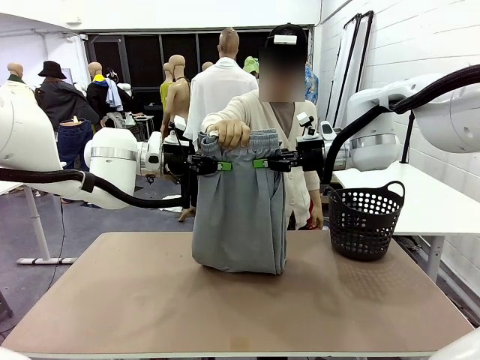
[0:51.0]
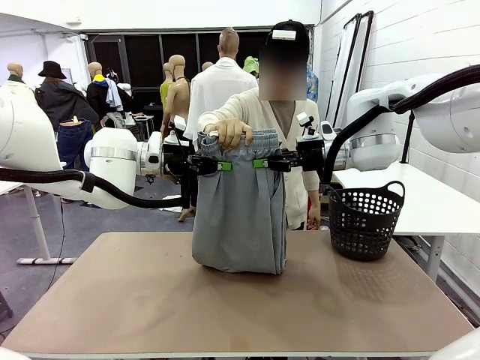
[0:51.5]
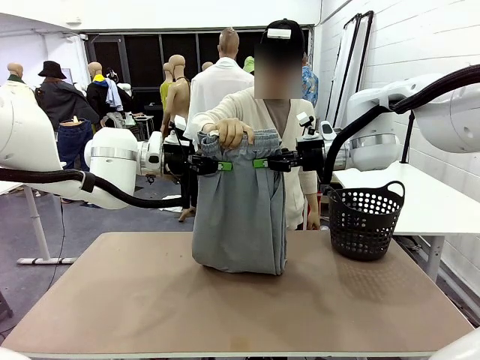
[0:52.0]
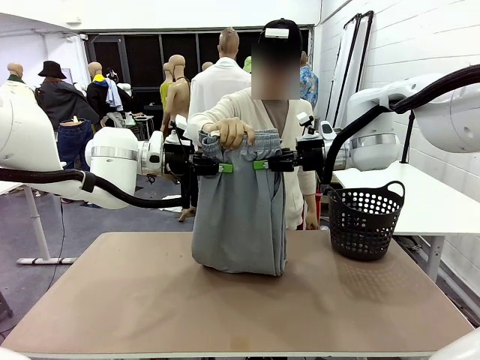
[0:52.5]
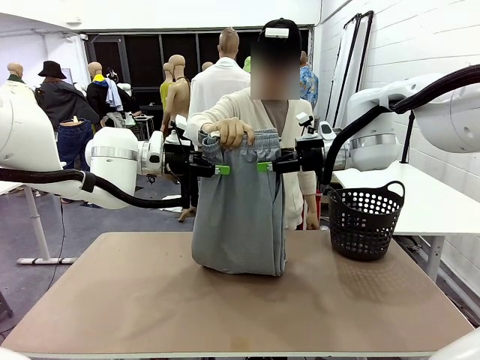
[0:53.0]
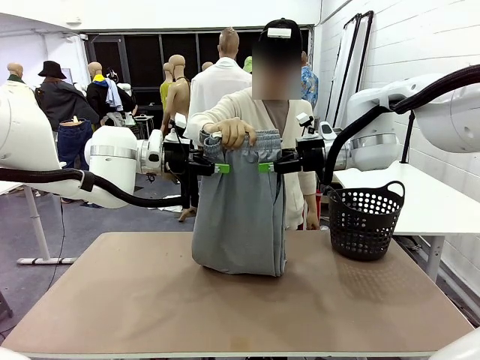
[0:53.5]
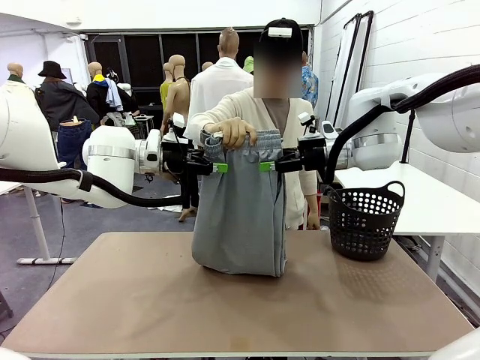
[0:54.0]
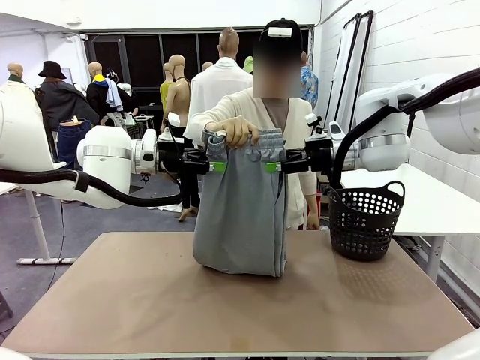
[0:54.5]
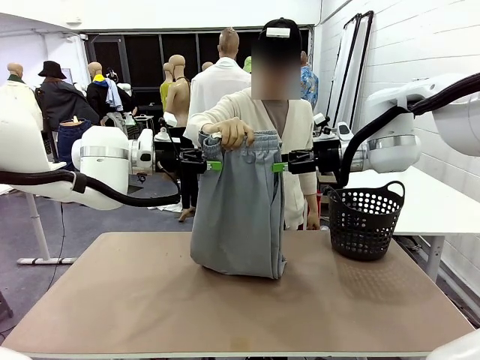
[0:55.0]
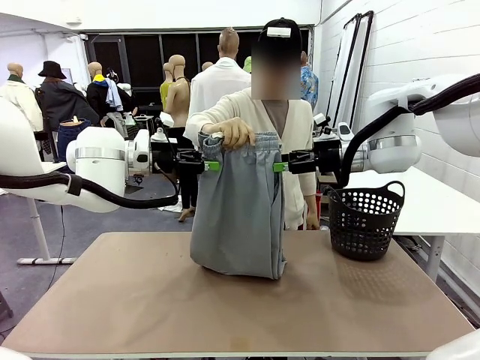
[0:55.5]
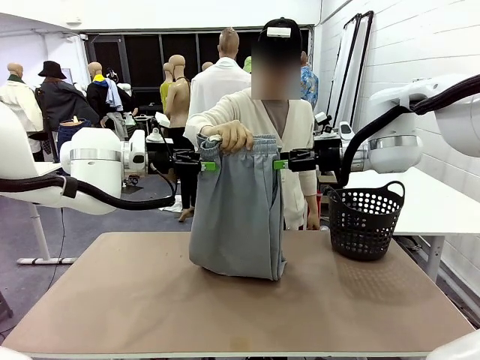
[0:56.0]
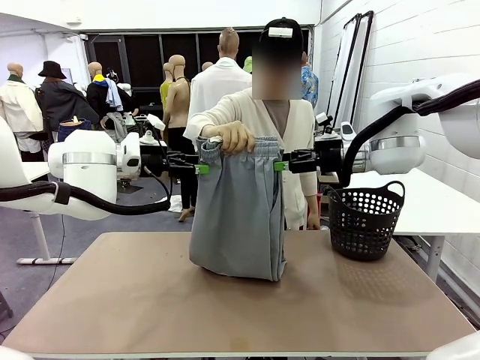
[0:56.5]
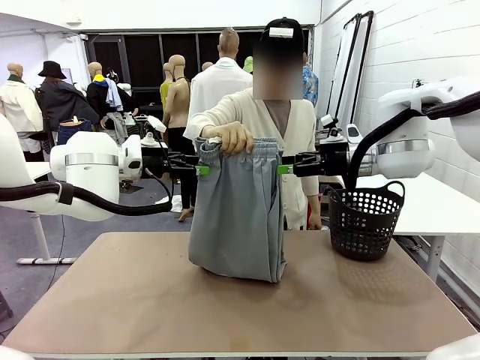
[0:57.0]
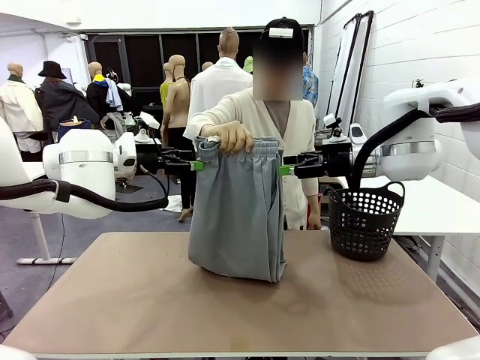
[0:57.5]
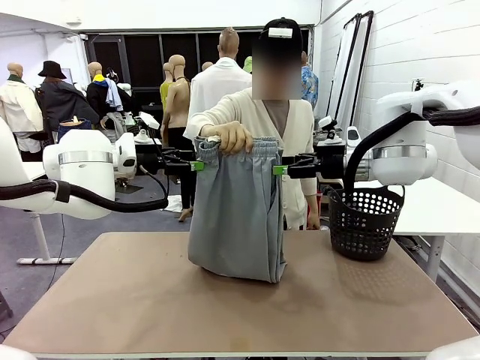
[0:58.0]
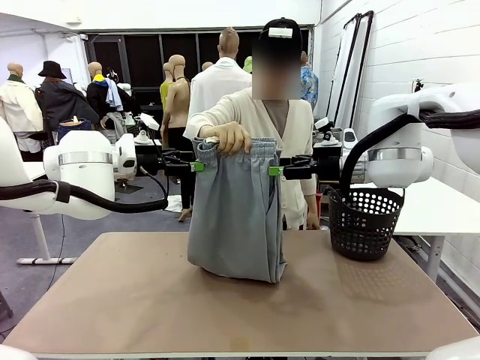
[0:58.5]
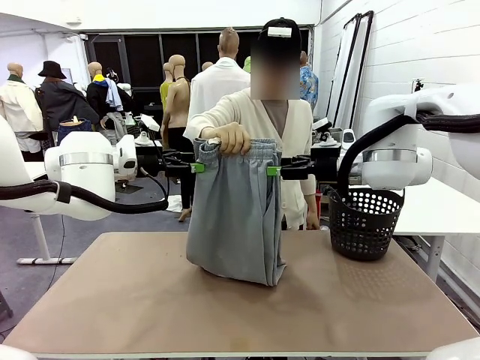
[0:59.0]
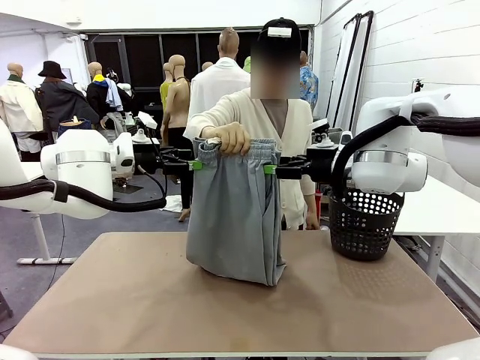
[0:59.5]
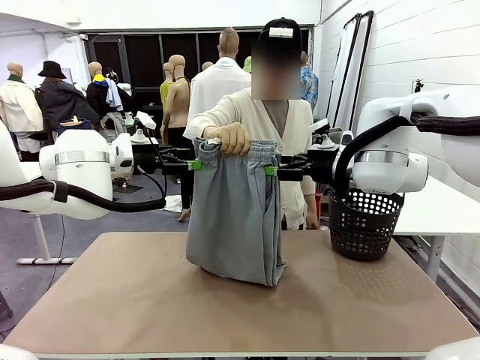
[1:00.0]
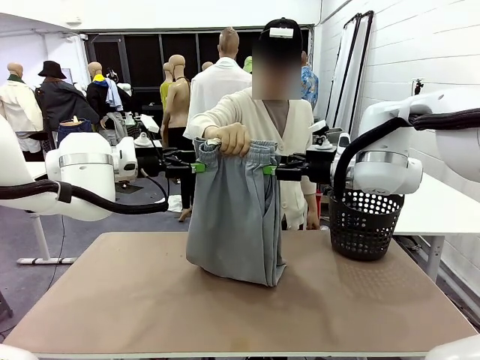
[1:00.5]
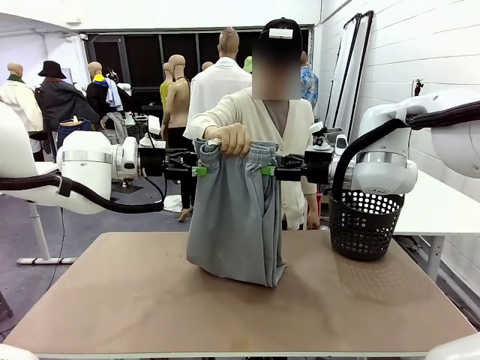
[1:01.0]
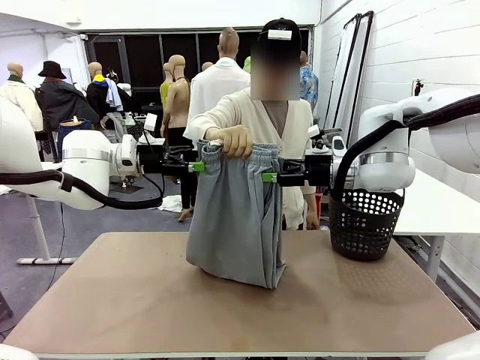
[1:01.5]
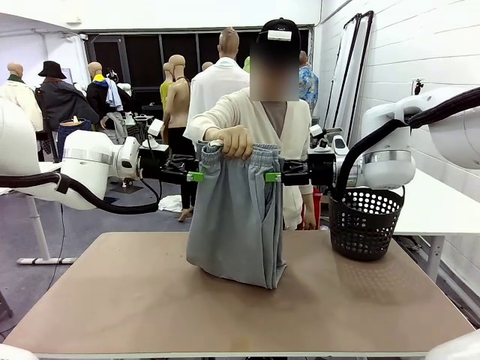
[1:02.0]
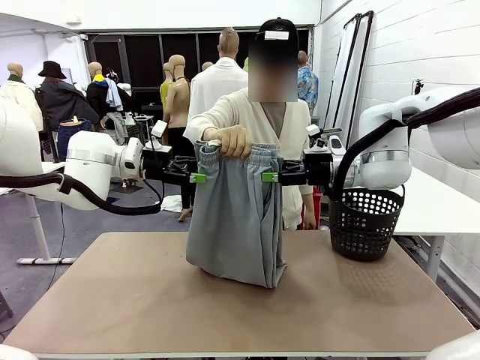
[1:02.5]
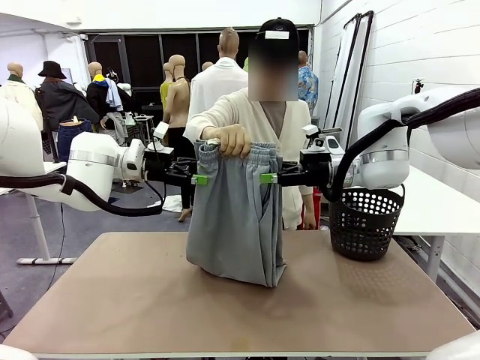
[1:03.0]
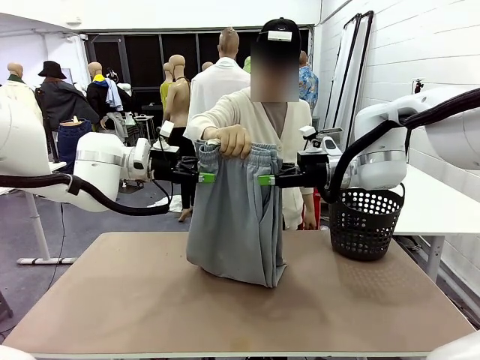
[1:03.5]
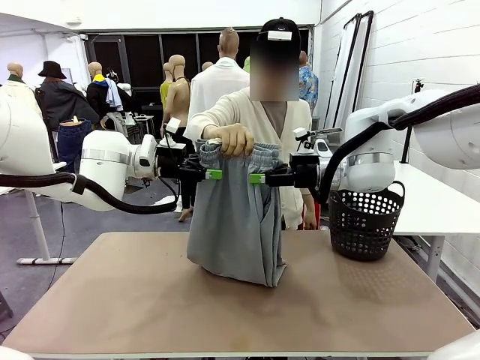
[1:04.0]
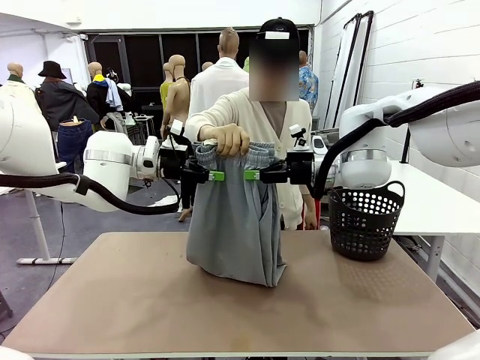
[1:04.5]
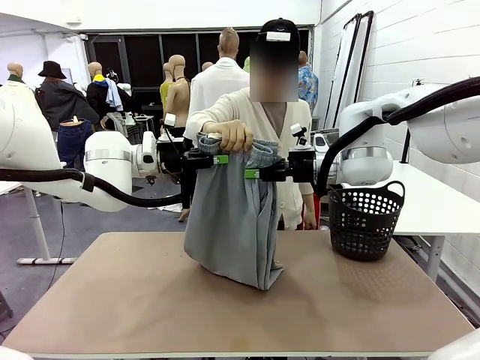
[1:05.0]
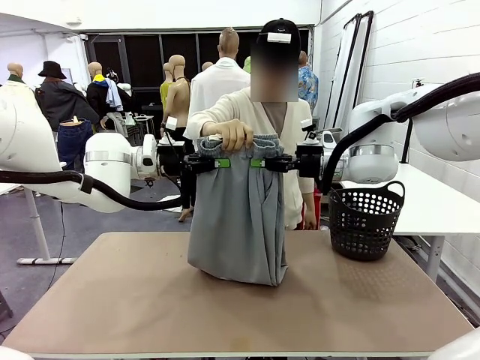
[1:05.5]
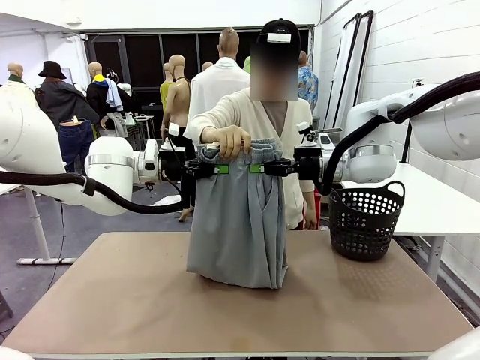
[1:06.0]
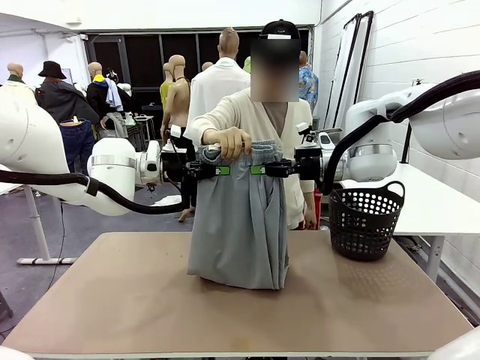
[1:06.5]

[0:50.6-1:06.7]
Task: Fold the training pants.
Robot: Release the ends of the Training pants and then grab the overlapped ends.
Person: Release the pants you were holding.

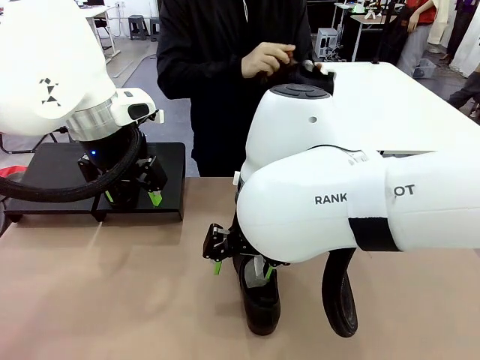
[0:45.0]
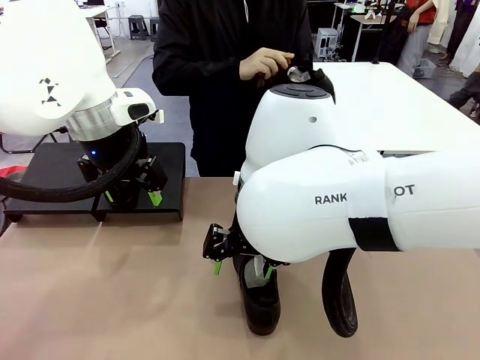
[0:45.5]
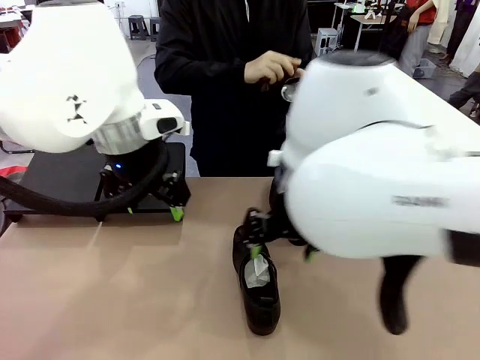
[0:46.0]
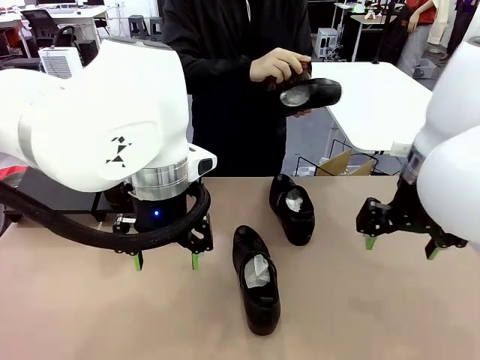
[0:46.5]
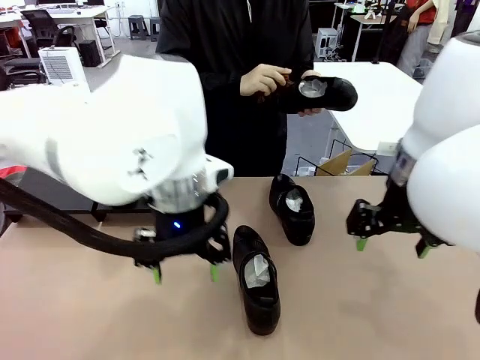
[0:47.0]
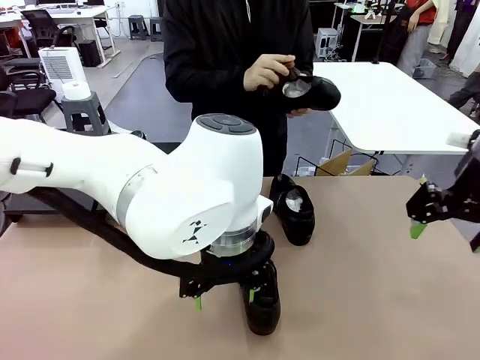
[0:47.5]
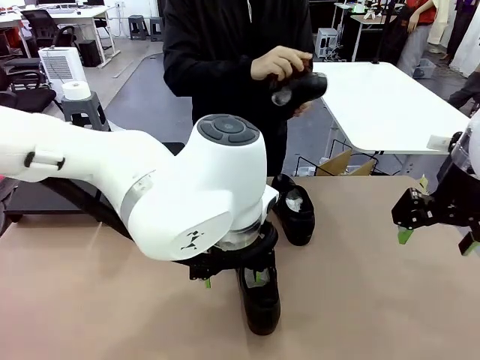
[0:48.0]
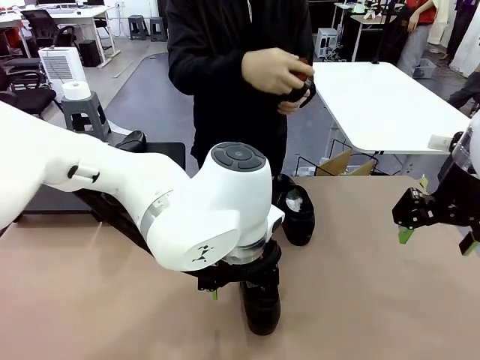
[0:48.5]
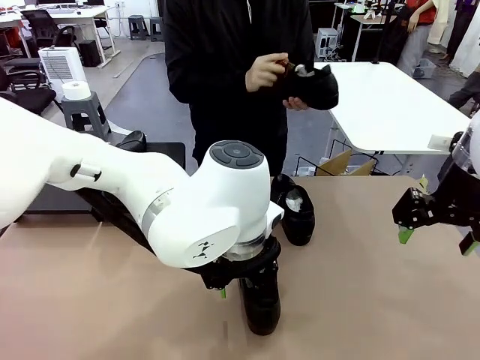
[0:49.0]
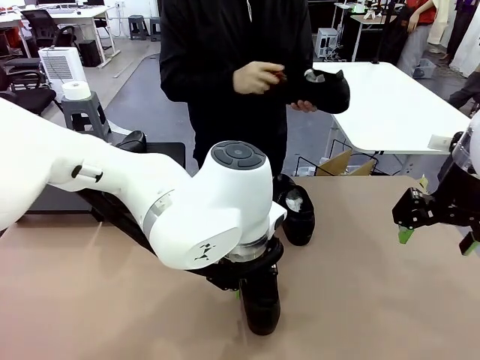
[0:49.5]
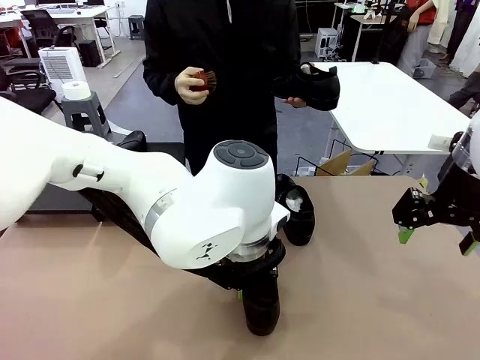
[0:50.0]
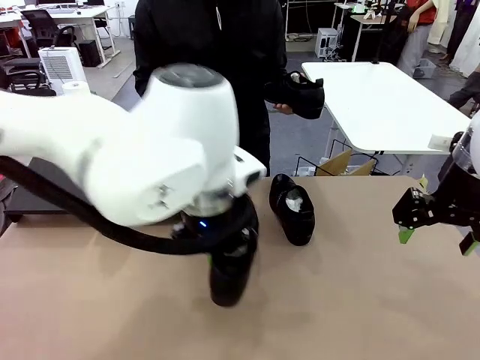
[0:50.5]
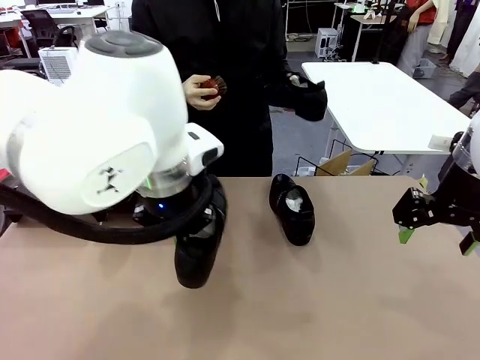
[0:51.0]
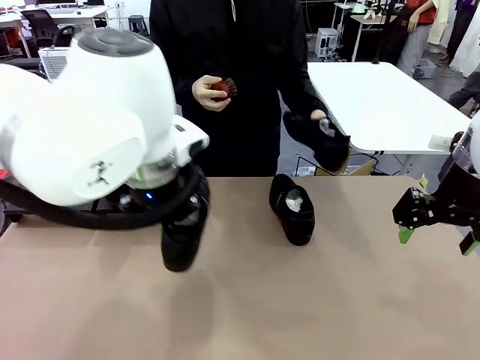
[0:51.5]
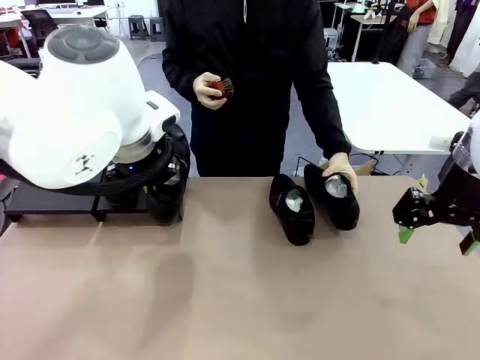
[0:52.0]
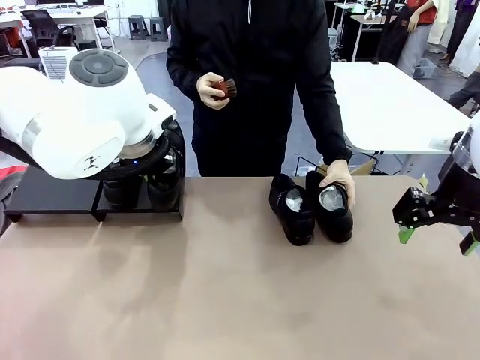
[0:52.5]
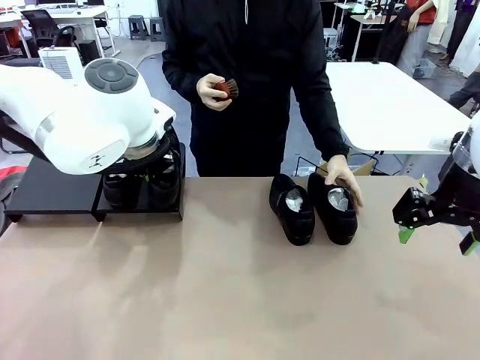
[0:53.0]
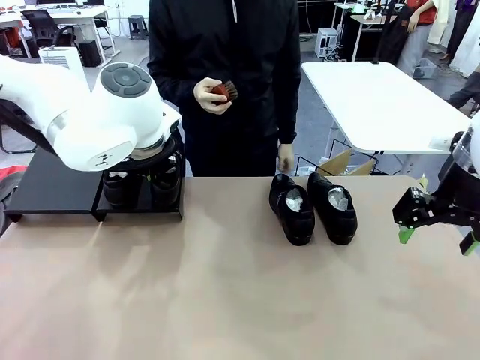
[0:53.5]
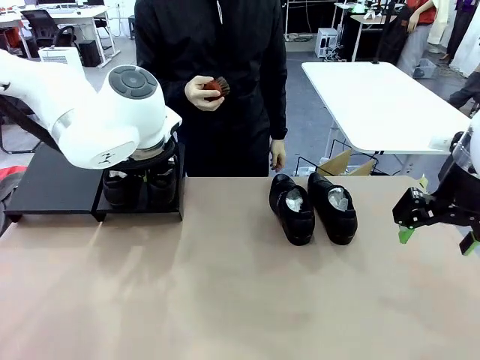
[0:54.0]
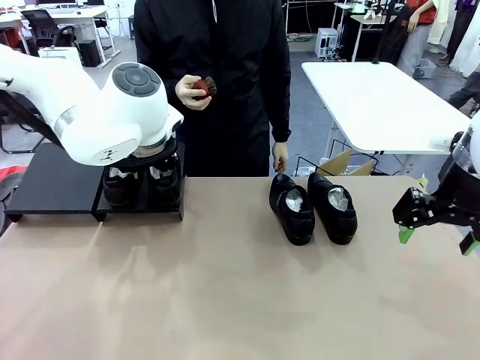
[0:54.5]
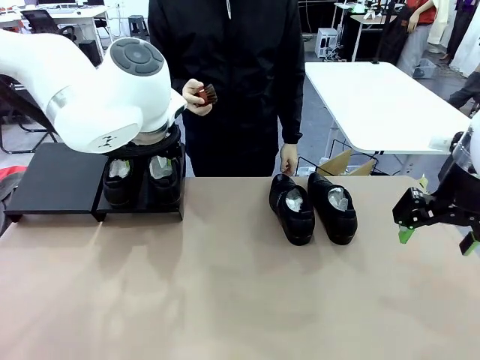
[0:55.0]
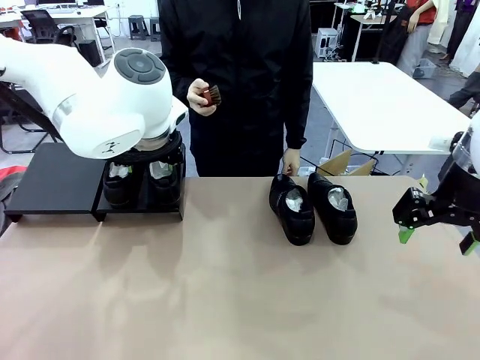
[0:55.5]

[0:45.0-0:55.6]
Task: Organize the shoes by placing them on the stand.
Robot: Place the Shoe from the middle of the table onto the Shoes Stand.
